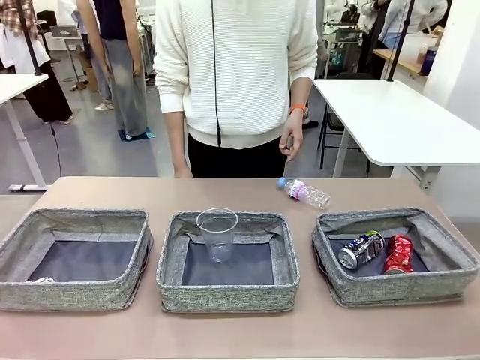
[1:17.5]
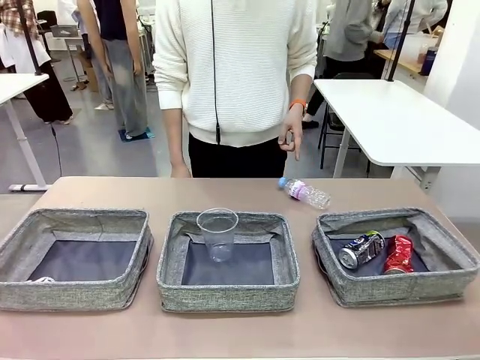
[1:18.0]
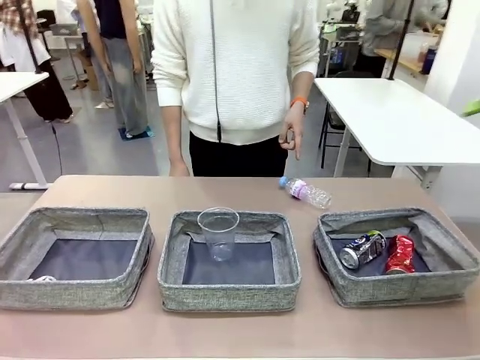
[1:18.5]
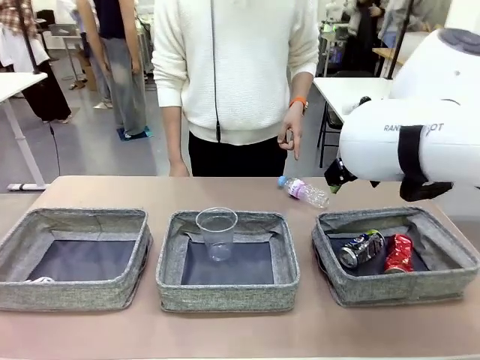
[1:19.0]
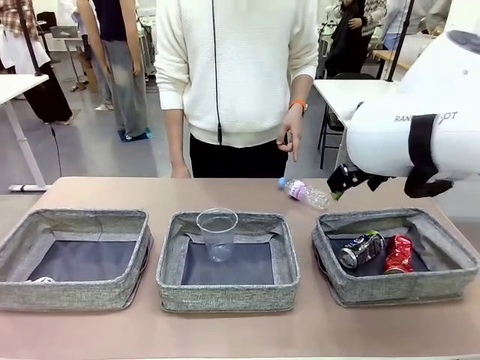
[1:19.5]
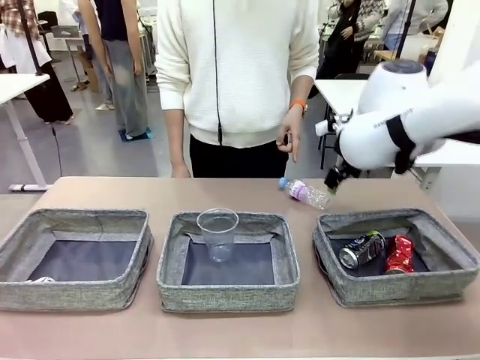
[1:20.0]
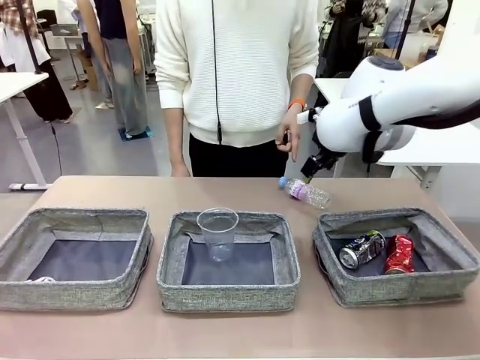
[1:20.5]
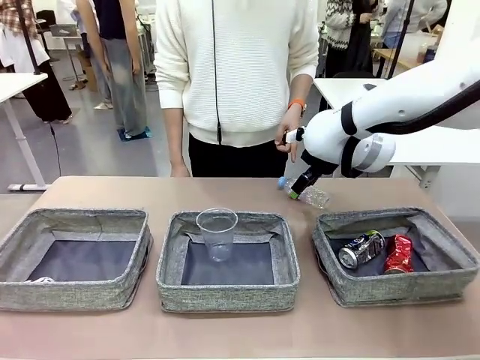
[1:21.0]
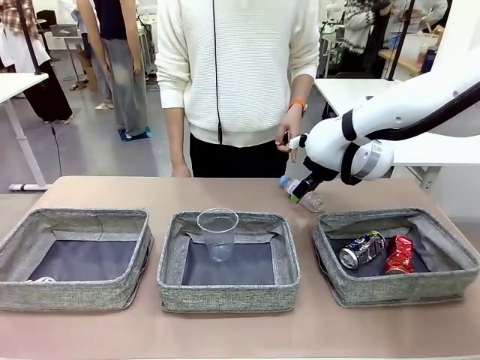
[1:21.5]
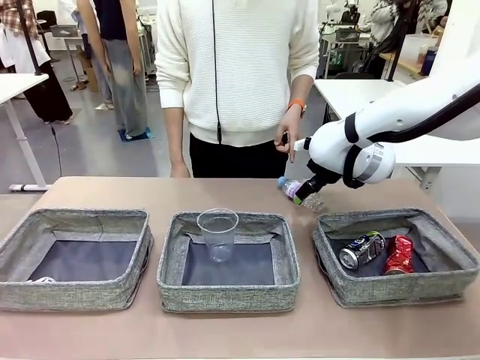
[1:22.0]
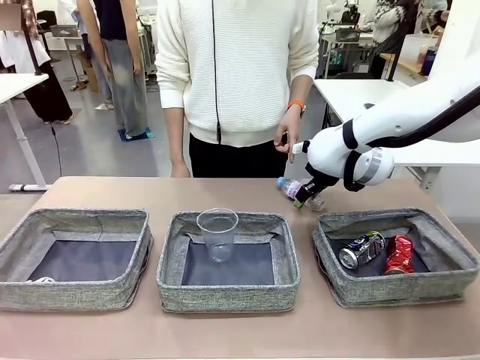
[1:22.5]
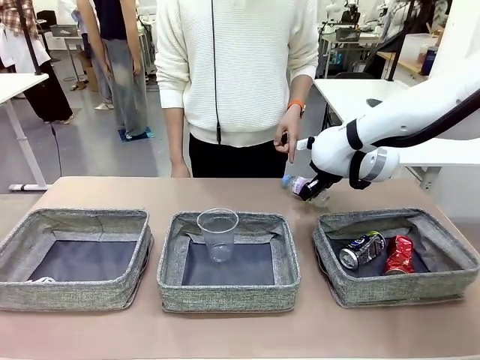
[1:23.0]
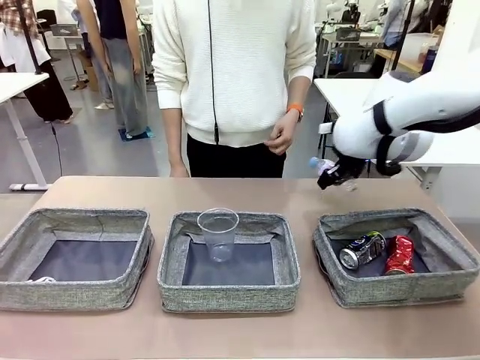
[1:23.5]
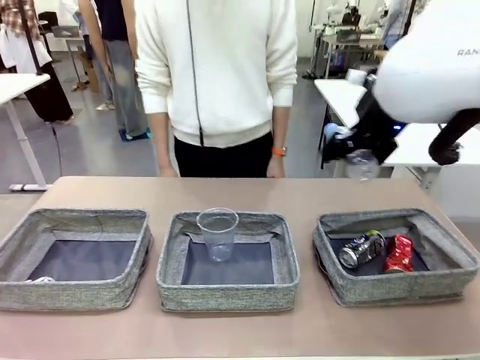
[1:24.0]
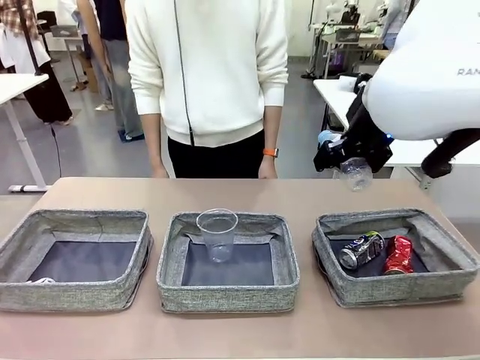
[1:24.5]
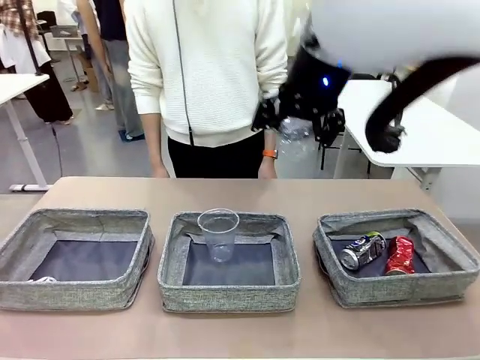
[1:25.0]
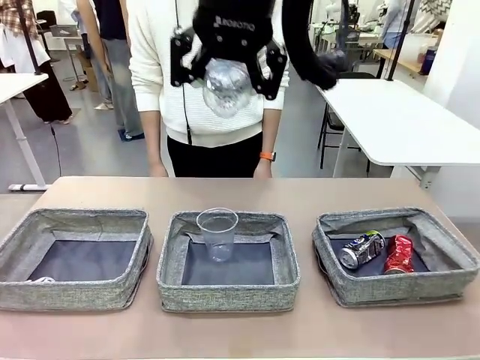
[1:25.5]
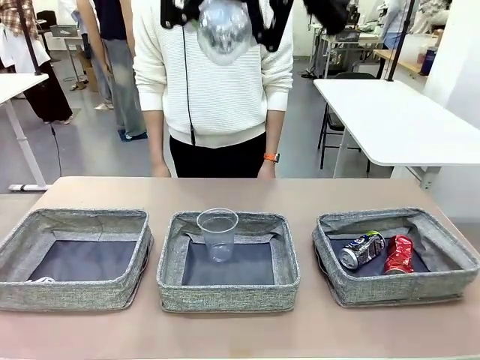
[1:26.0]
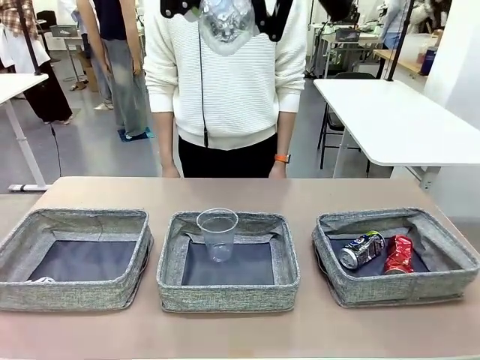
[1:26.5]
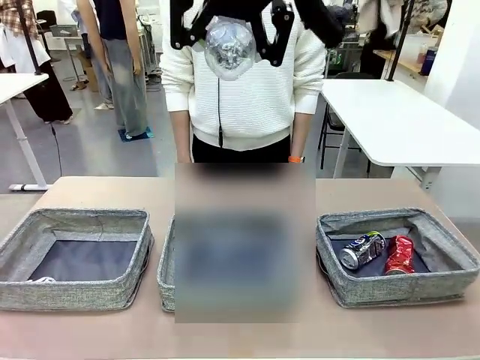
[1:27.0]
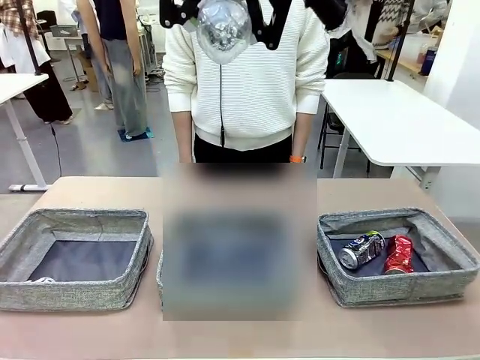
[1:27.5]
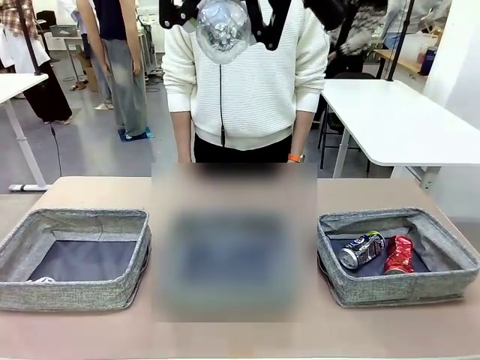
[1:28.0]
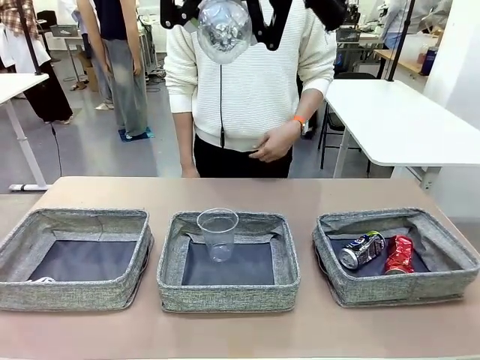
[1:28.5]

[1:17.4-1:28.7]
Task: Sort the waste into the appropriate baskets.
Robot: Pick up the waste item pointed out by the person.
Person: Points to one piece of trash on the table.

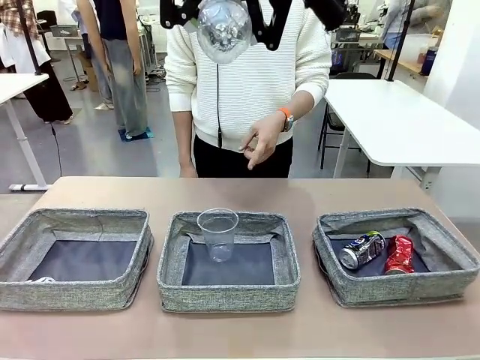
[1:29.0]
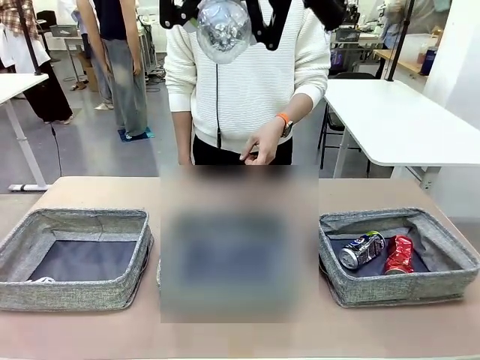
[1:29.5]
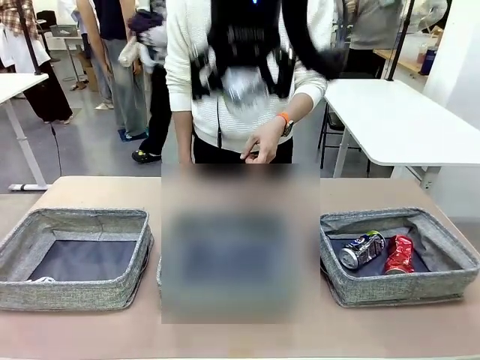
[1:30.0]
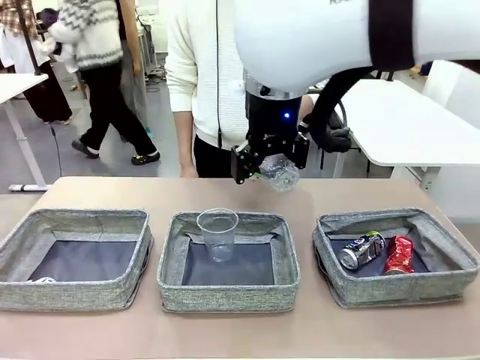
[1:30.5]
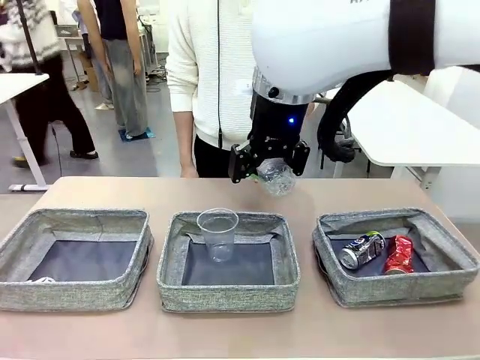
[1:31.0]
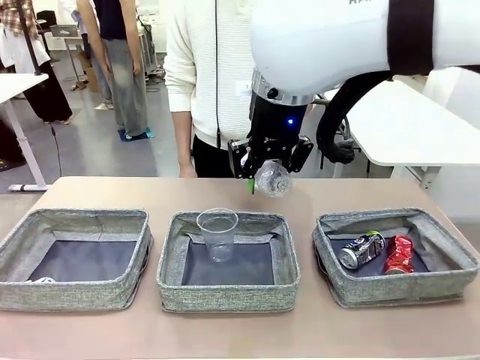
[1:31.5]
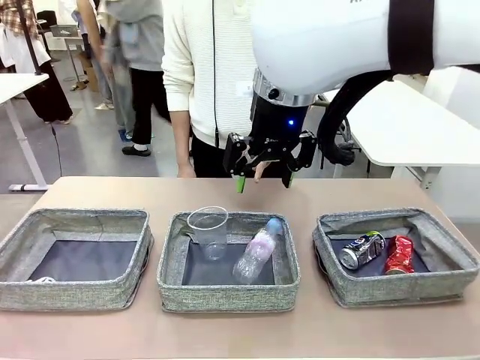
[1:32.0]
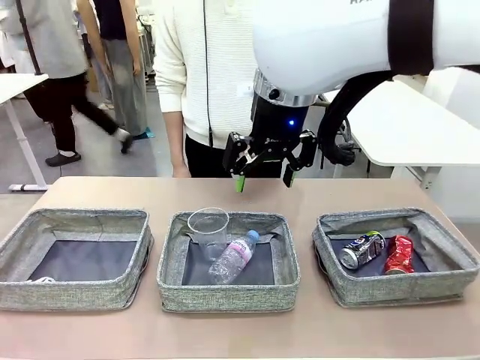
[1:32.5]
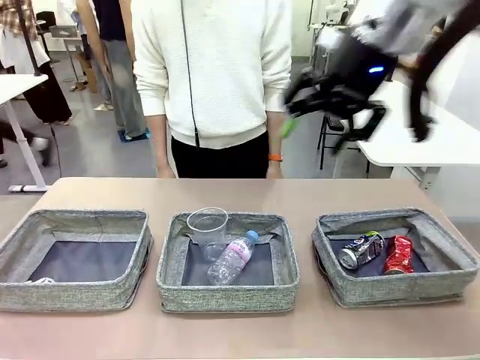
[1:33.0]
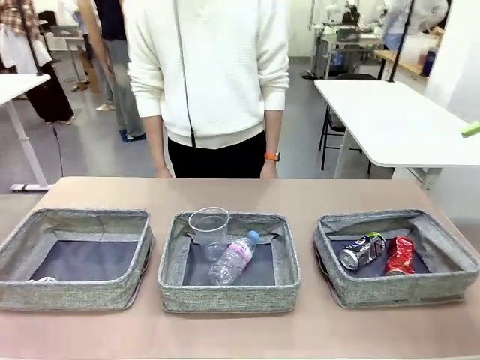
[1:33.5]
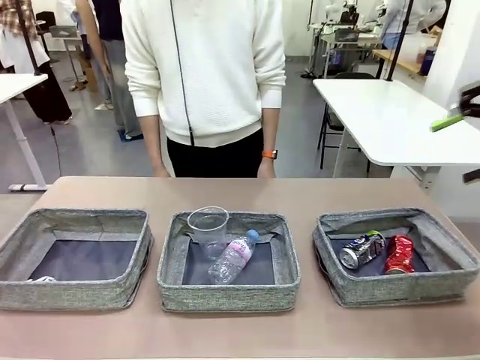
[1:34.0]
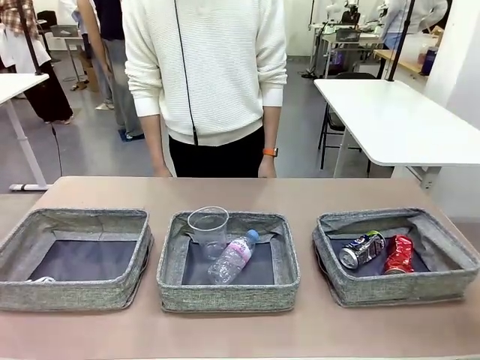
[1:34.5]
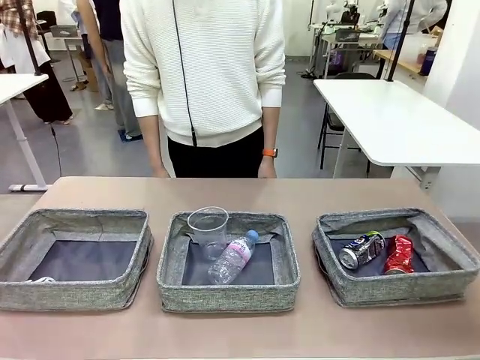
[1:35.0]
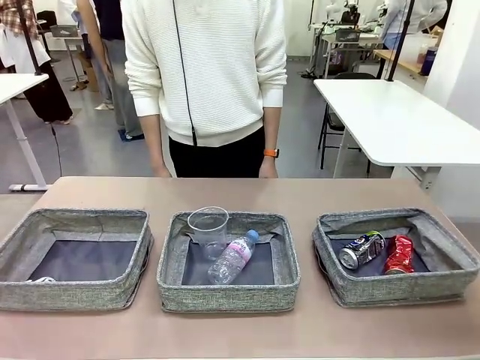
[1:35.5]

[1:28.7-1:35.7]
Robot: Place the picked waste into the Fabric basket indicated by the person.
Person: Instructs the robot to place the picked-up trash into the appropriate organizing basket.

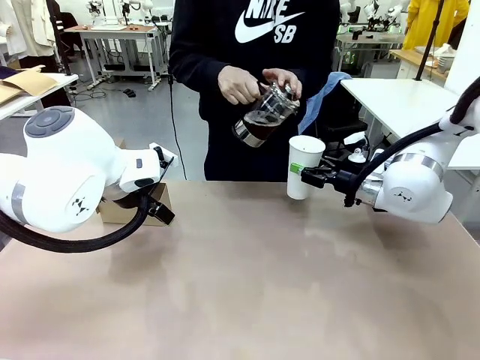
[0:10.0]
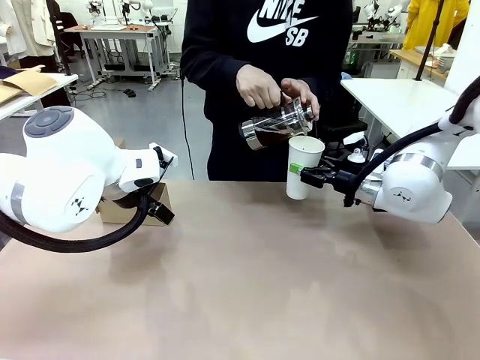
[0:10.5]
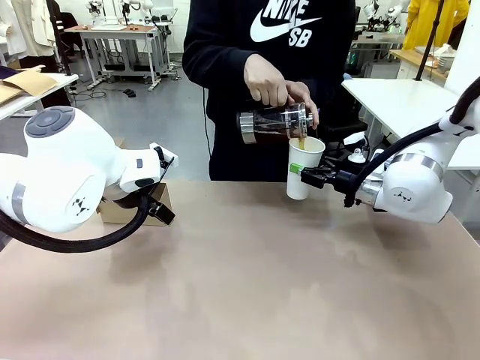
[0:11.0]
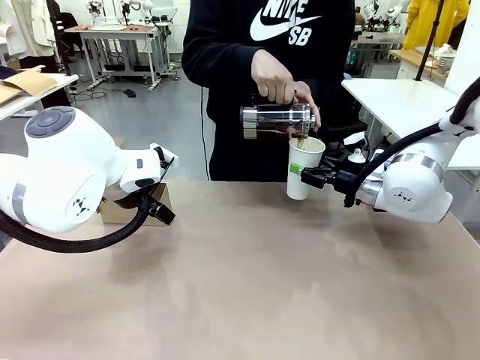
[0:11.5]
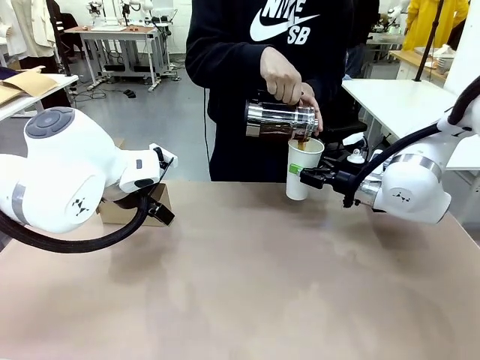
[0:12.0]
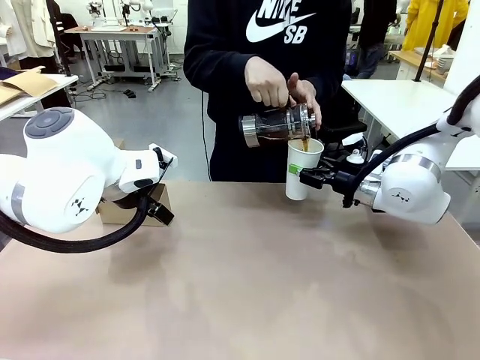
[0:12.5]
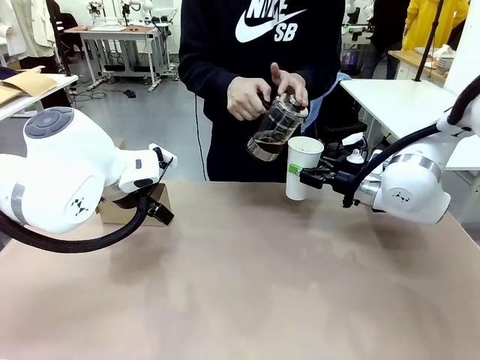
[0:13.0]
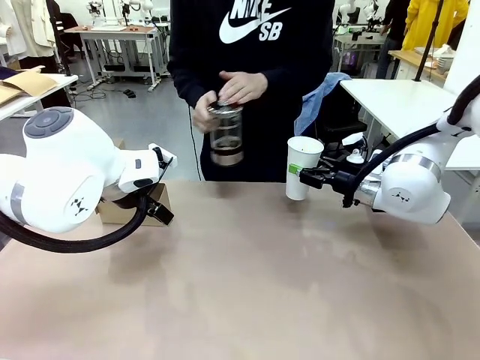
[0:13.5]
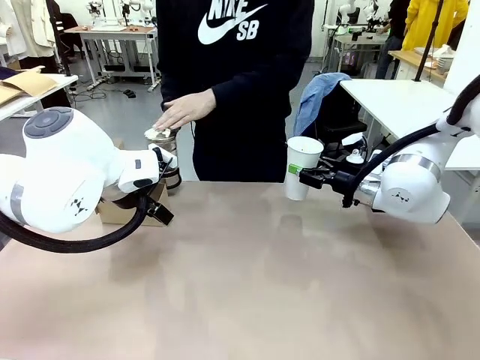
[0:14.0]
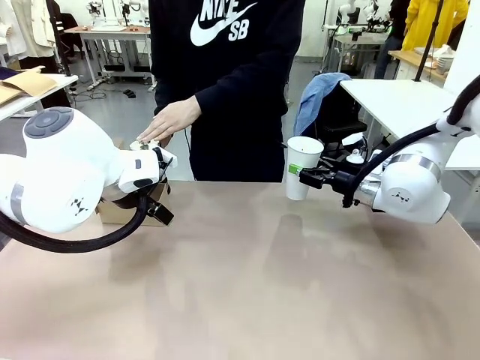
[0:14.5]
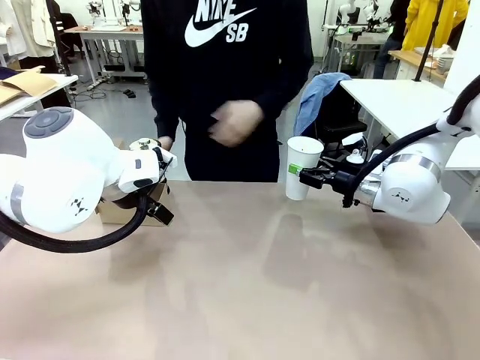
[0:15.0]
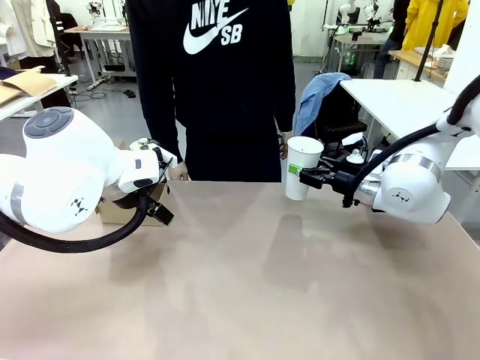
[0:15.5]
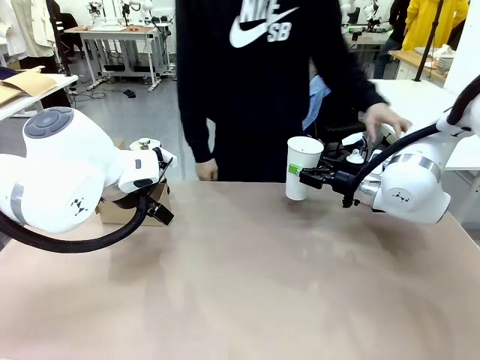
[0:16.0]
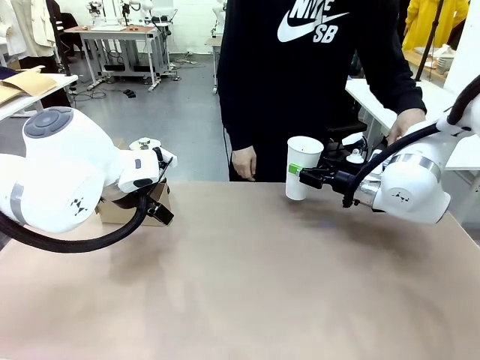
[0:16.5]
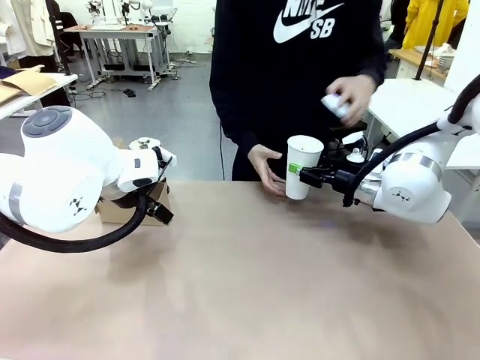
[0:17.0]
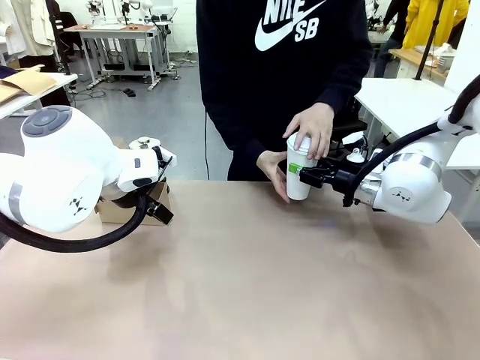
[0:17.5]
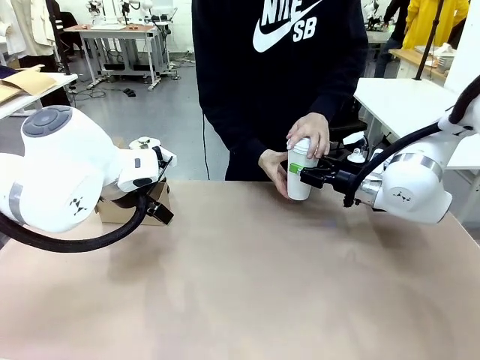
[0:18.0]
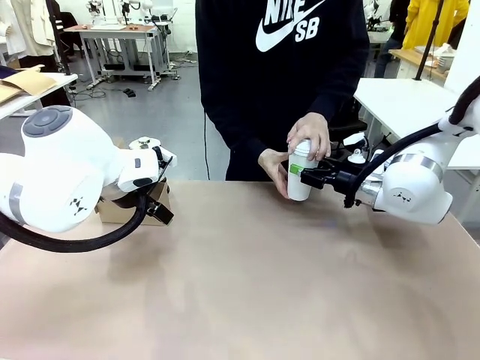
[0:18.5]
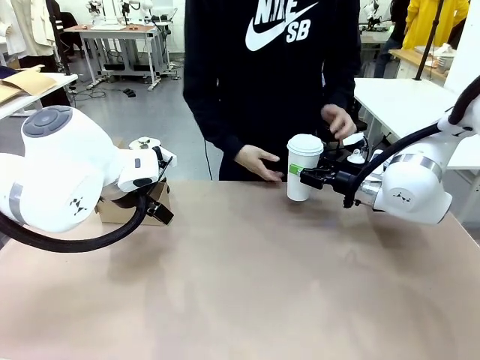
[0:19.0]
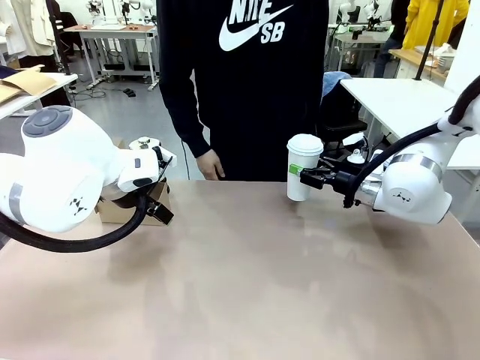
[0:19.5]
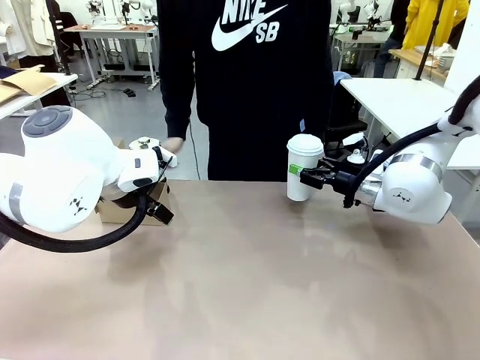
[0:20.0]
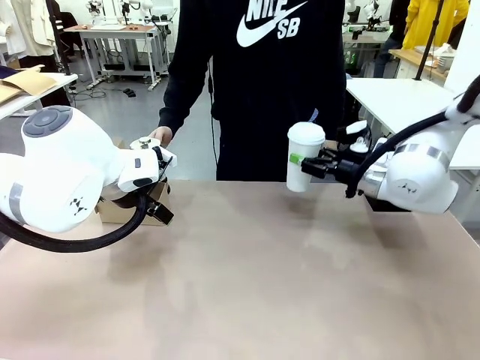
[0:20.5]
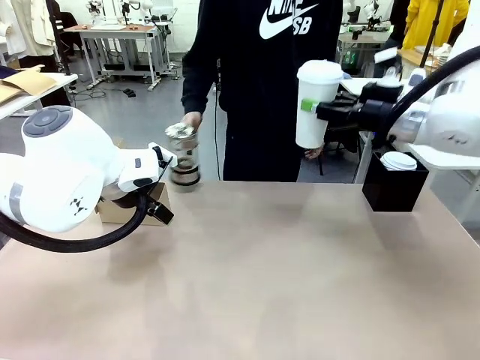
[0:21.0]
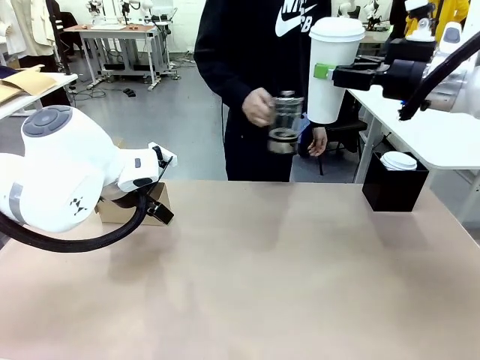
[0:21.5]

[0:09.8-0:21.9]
Task: Pour a drink into a cup and package it in a carrier.
Robot: When a person places the Paper Cup Lid on the 600 ml Paper Cup , lift the 600 ml Paper Cup.
Person: Pour the drink from the Filter Brewing into the 600 ml Paper Cup. Place a Paper Cup Lid on the 600 ml Paper Cup.
